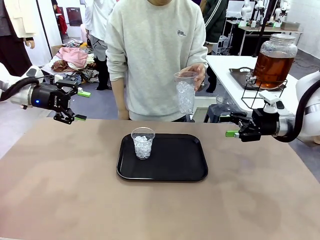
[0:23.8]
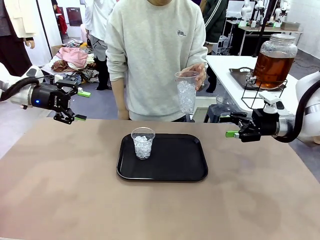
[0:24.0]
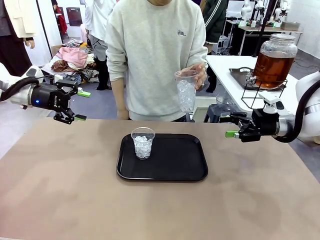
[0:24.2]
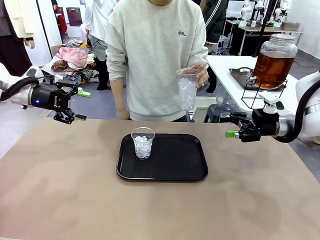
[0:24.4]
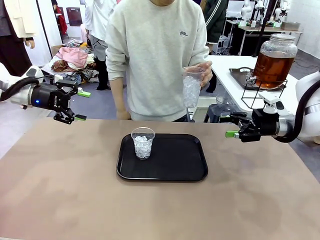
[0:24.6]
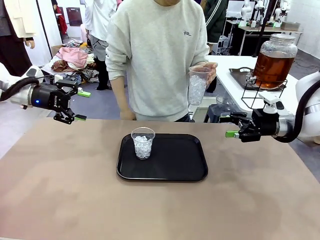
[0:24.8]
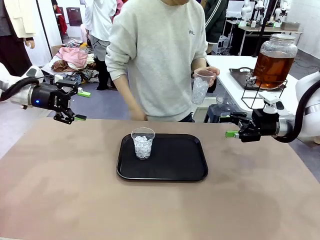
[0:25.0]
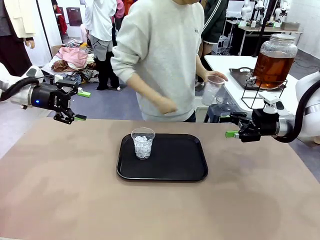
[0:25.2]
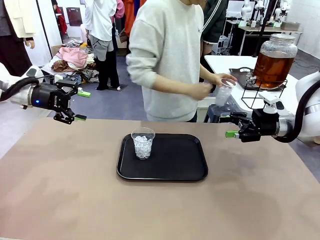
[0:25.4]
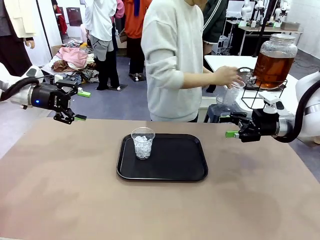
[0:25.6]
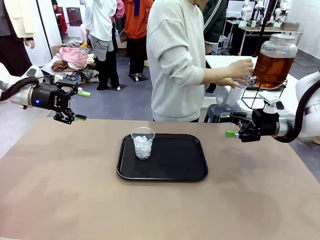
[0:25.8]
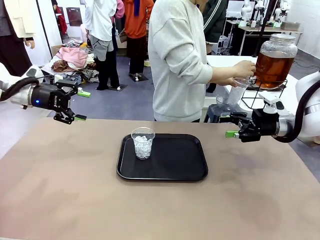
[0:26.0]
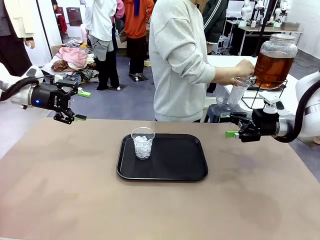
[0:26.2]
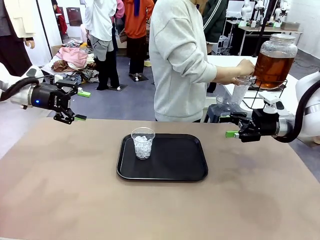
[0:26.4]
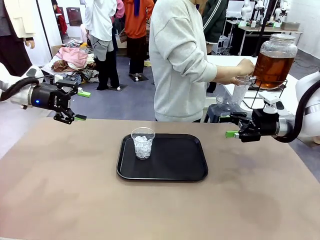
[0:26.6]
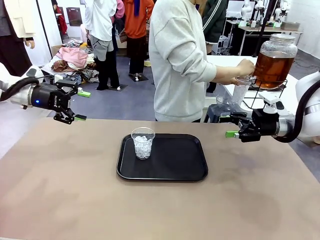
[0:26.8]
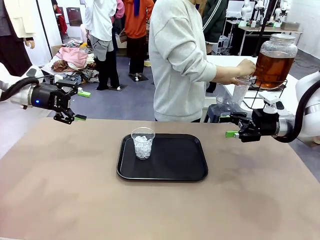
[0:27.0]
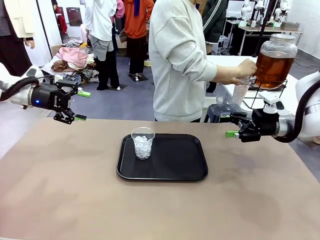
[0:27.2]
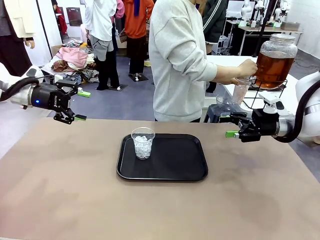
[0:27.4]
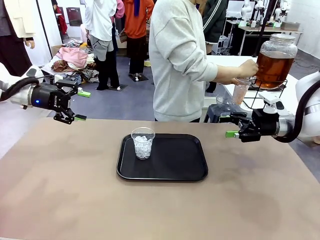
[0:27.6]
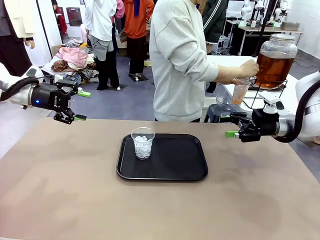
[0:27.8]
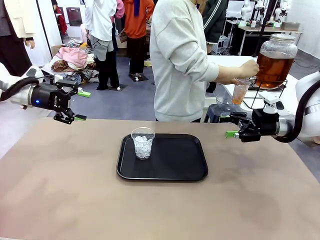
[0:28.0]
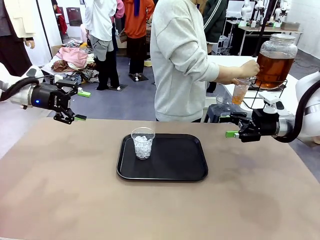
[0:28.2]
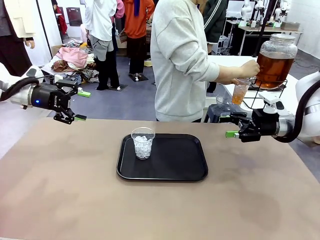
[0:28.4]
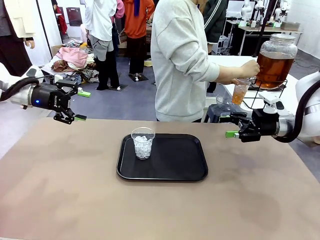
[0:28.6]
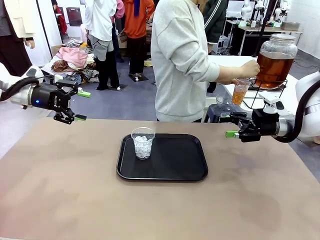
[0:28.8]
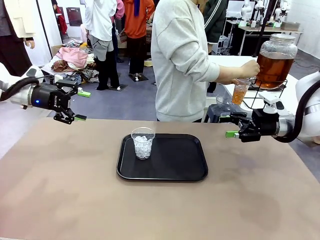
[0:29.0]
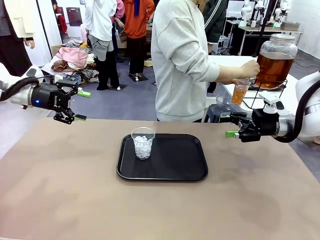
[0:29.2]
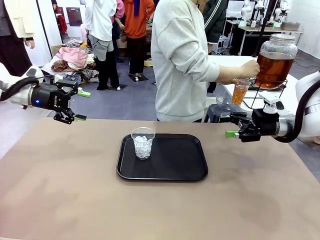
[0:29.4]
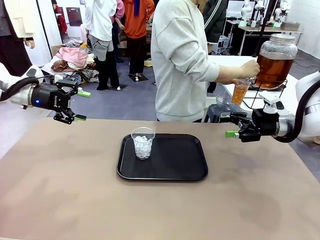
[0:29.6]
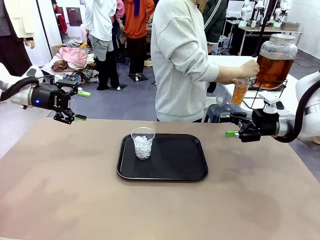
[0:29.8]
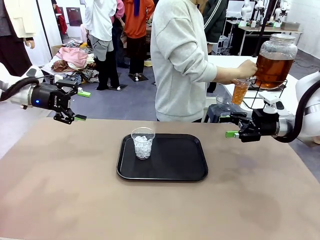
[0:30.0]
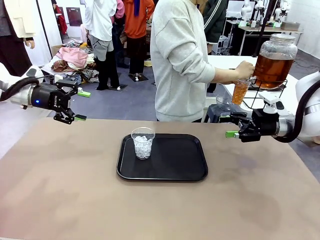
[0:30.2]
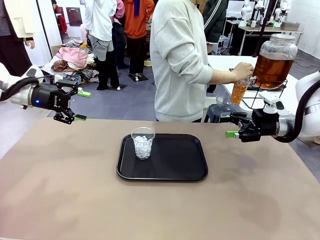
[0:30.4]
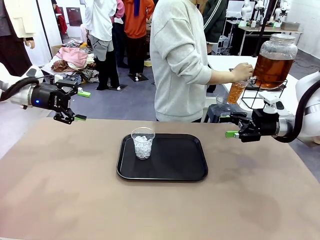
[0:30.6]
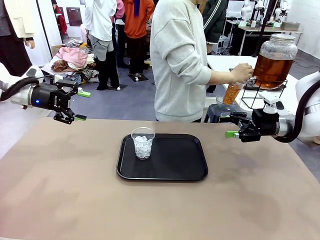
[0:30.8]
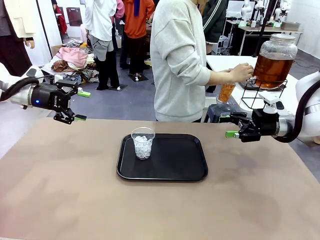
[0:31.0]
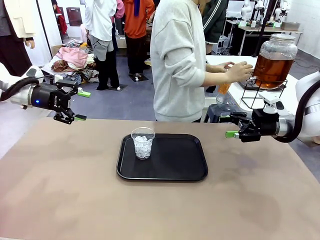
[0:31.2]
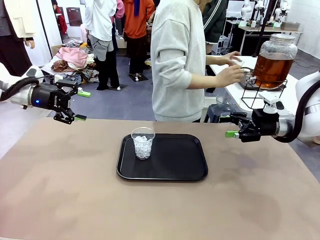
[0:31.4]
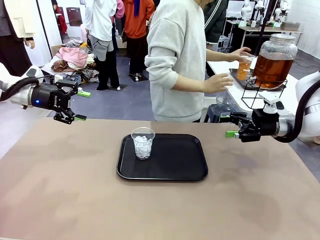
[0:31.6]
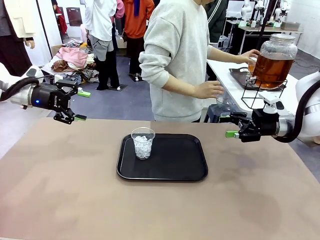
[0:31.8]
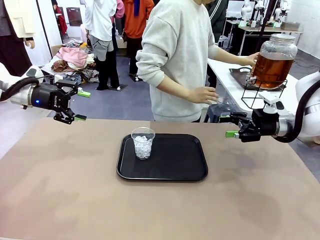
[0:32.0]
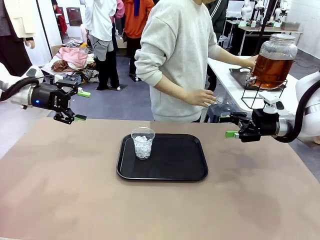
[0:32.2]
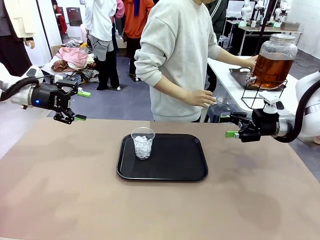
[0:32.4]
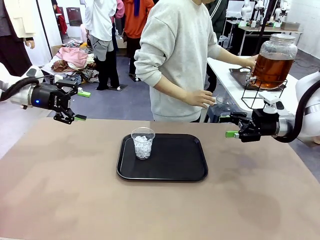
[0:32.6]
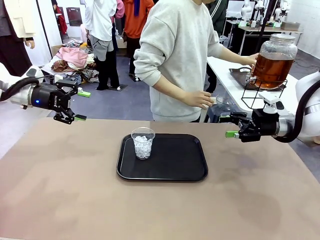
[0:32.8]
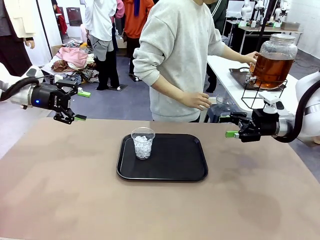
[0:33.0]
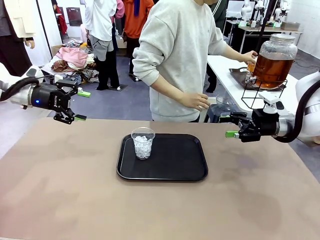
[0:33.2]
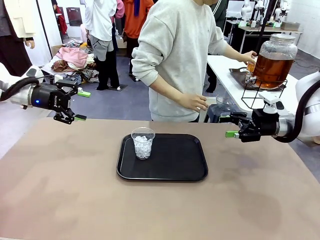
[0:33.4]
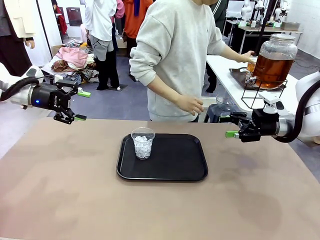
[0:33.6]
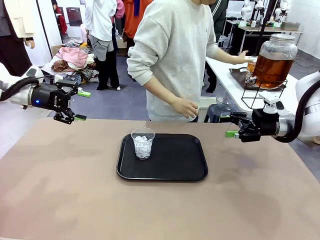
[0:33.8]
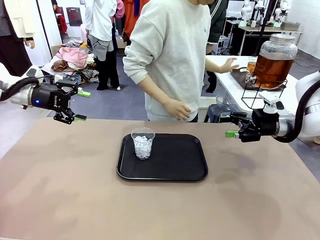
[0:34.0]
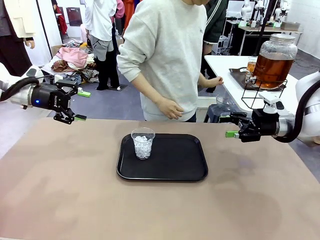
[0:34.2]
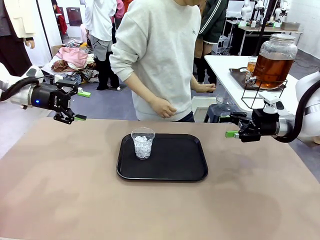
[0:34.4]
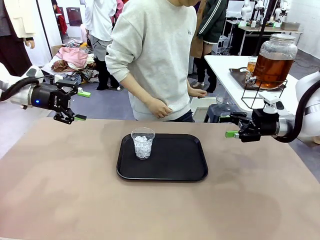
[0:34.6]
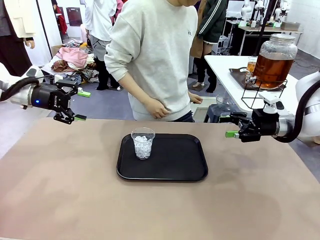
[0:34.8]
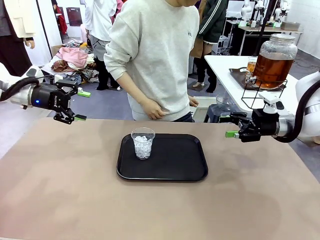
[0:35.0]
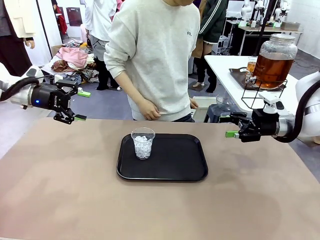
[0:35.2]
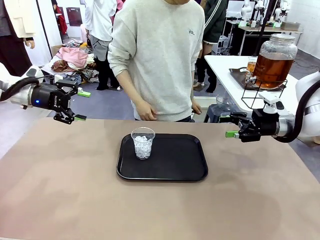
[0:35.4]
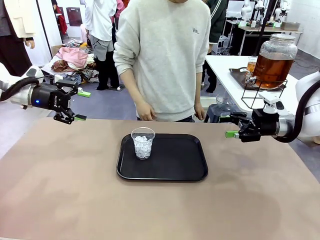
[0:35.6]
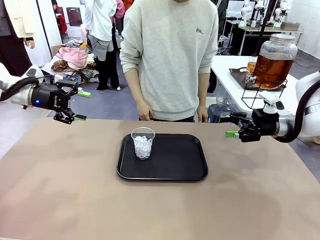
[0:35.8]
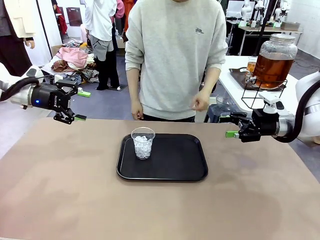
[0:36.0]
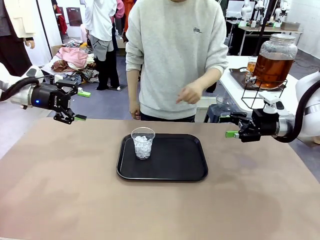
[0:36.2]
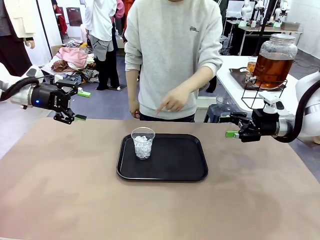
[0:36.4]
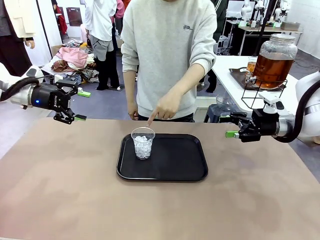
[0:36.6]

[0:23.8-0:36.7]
Task: Pour the drink into the iced cup.
Robot: Pick up the iced cup indicated by the human and present it to them.
Person: Move the picked-up cup under the dispenser faucet, pour the drink, and place it on the tray on the human table. Point to the remaining ice cup on the robot table.

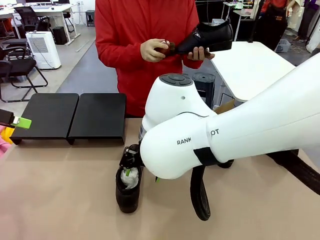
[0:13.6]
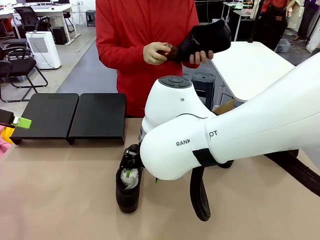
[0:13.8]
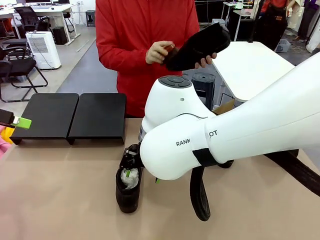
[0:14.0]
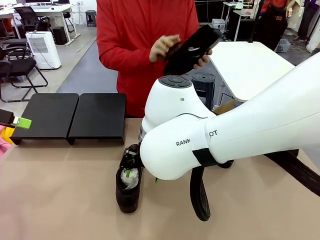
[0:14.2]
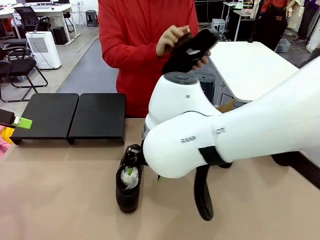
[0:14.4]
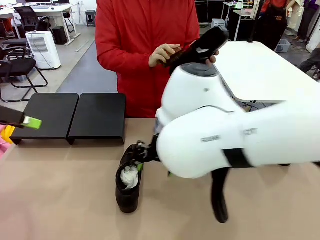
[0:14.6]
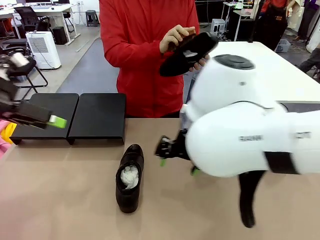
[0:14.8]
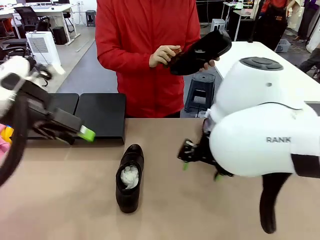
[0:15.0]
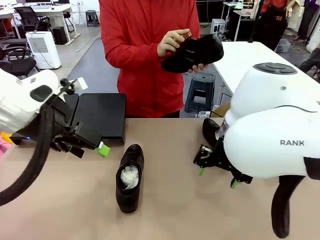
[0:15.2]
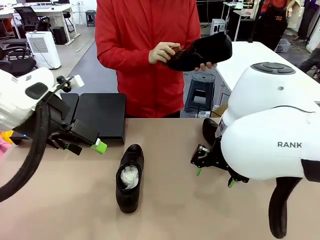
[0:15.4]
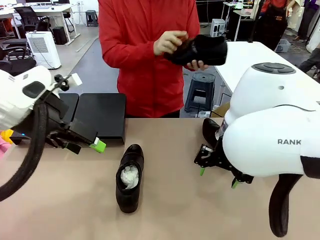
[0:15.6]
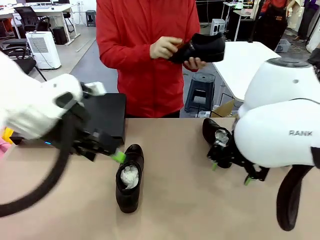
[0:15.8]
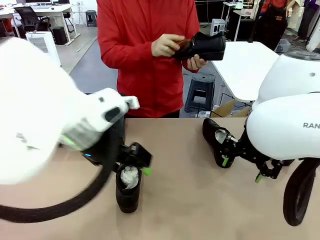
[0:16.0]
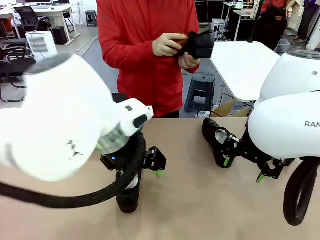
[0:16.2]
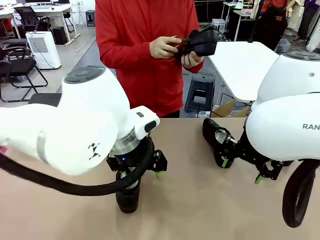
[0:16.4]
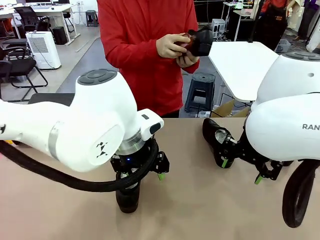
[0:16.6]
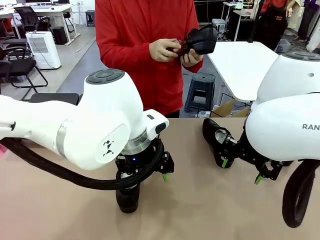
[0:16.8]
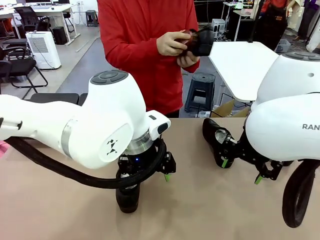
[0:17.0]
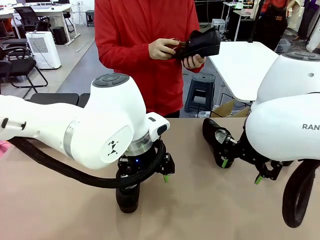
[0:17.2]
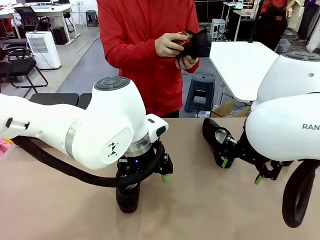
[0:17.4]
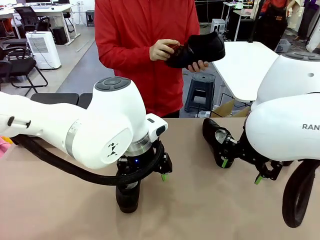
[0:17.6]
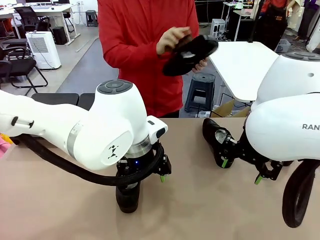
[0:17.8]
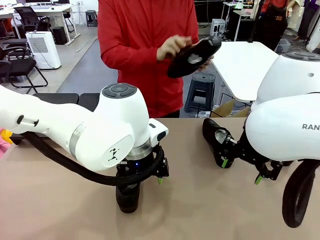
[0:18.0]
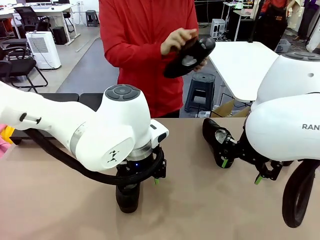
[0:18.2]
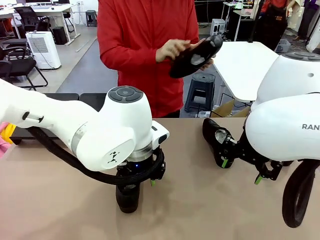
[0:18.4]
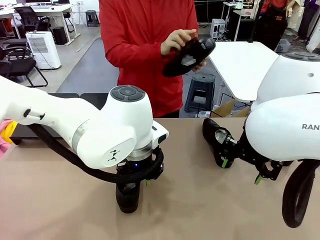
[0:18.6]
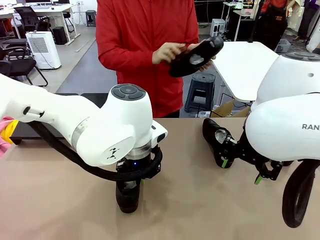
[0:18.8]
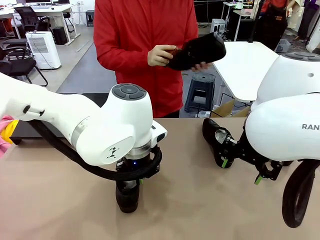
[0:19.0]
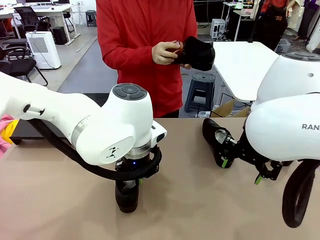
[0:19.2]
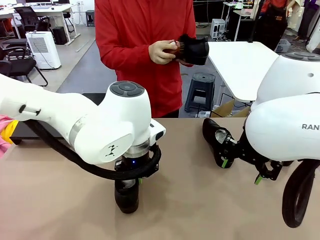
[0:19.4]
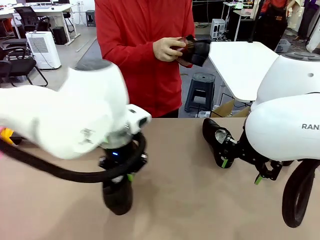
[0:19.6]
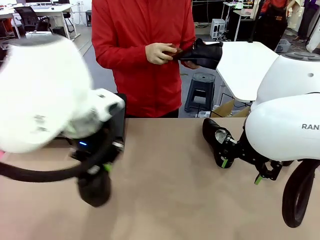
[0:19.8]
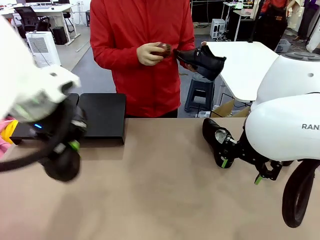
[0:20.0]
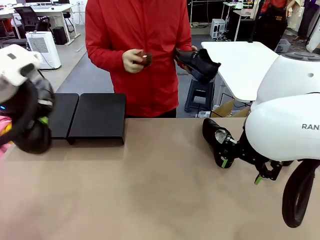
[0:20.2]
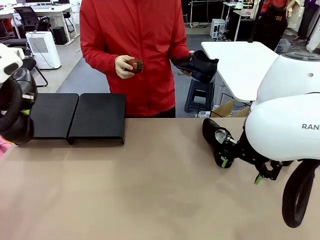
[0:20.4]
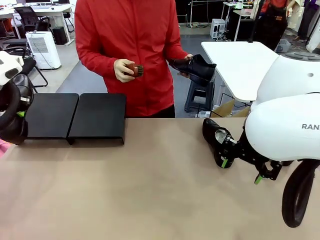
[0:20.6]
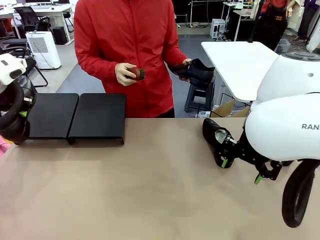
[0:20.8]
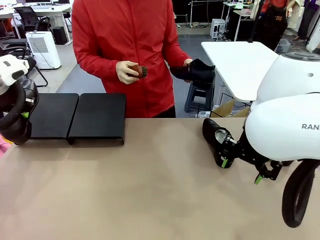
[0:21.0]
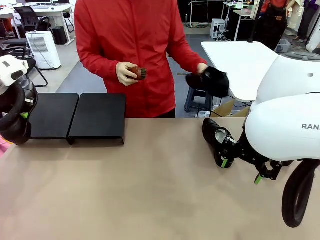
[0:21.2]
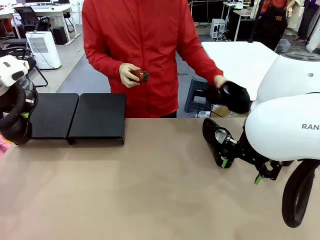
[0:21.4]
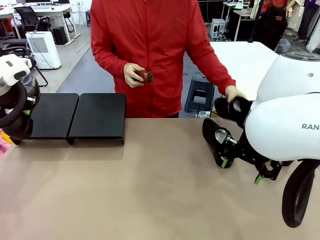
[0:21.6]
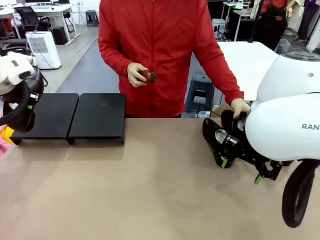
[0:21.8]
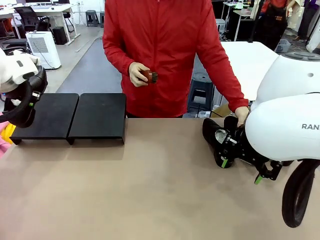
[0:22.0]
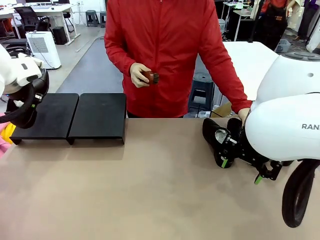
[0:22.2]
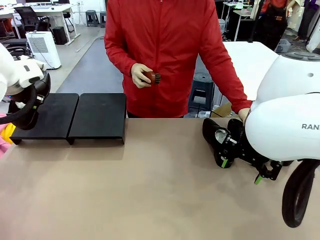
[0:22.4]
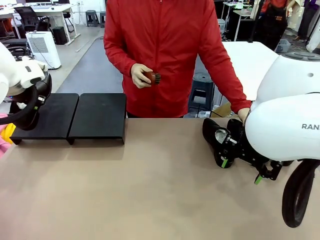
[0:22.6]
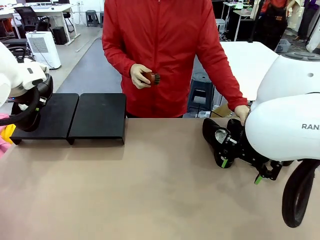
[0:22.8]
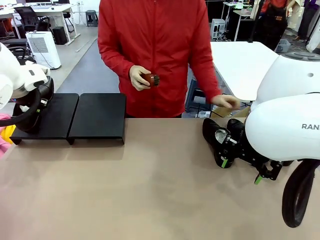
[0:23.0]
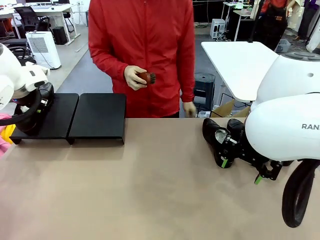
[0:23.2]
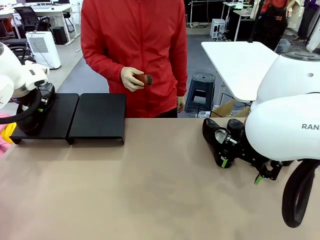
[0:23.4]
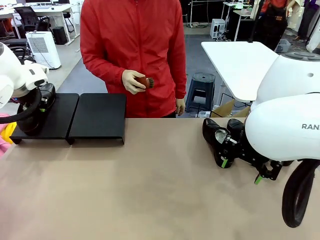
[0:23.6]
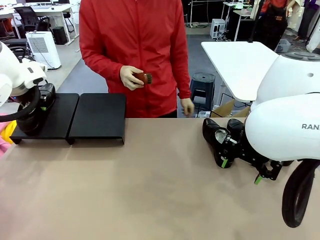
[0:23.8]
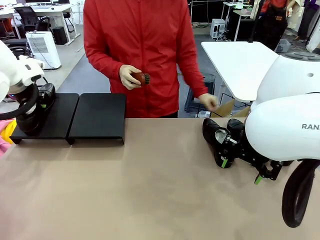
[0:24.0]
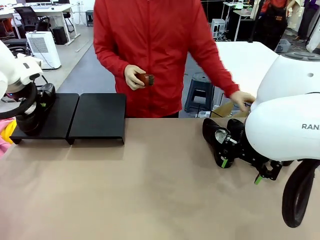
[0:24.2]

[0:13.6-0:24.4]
Task: Organize the shoes by placing them on the stand.
Robot: Place the Shoe from the middle of the table onto the Shoes Stand.
Person: Place the Shoe on left side of the Robot's table.
